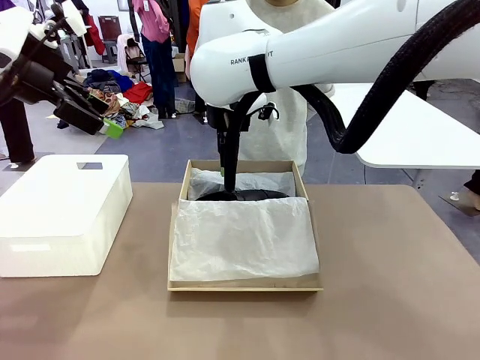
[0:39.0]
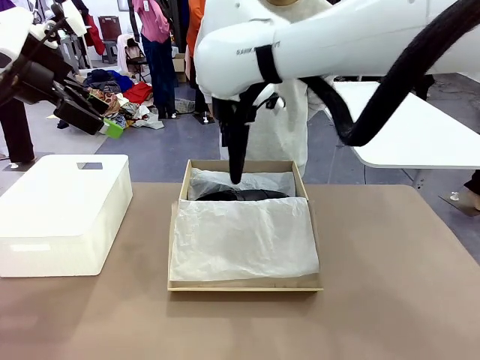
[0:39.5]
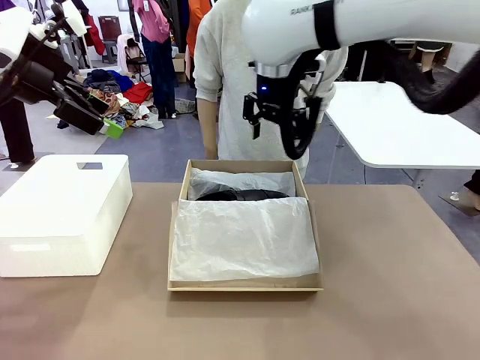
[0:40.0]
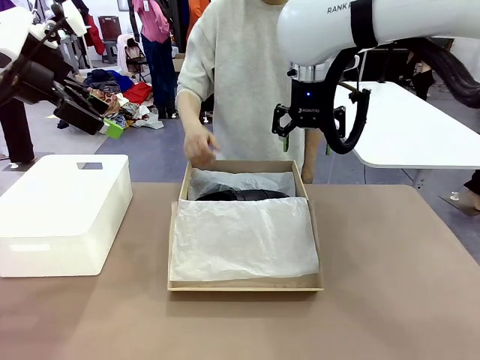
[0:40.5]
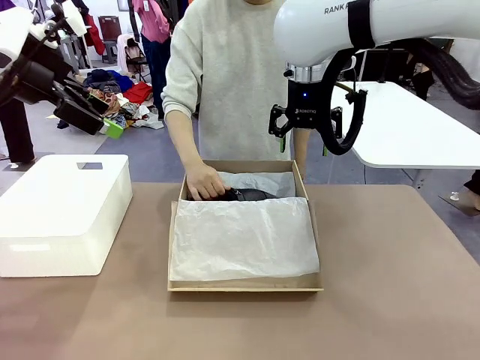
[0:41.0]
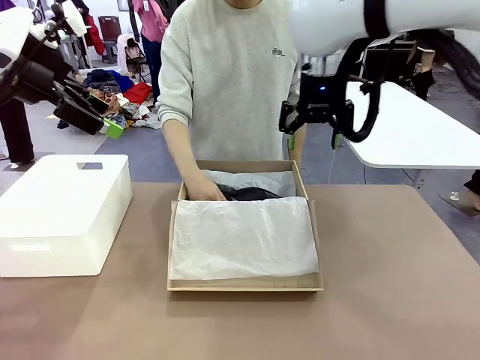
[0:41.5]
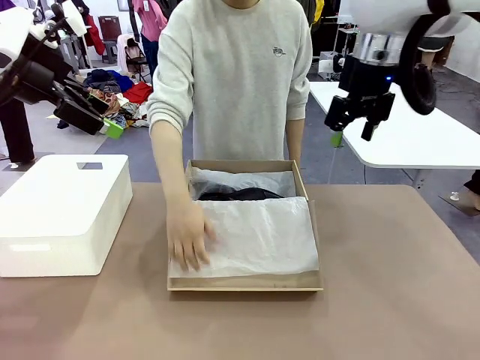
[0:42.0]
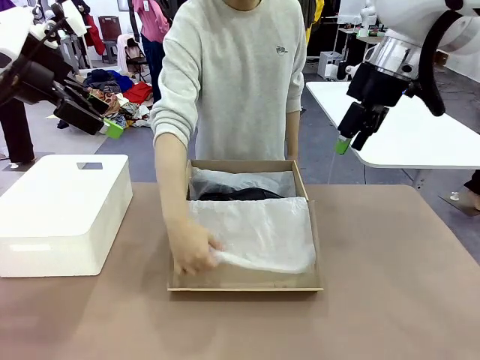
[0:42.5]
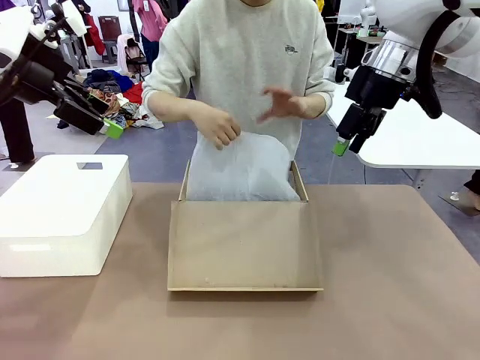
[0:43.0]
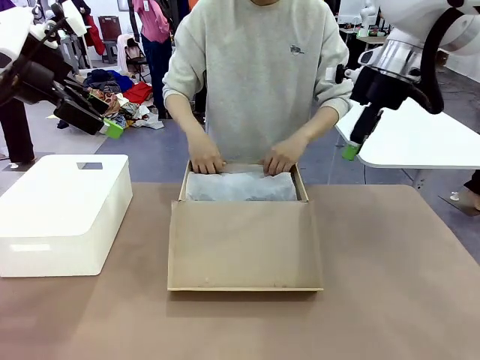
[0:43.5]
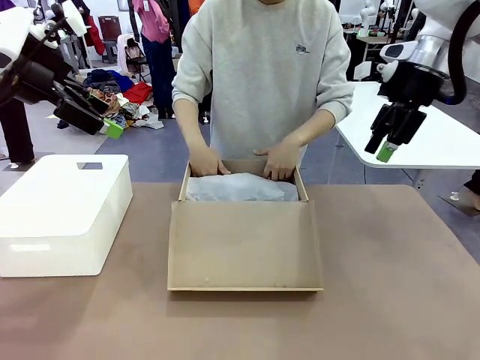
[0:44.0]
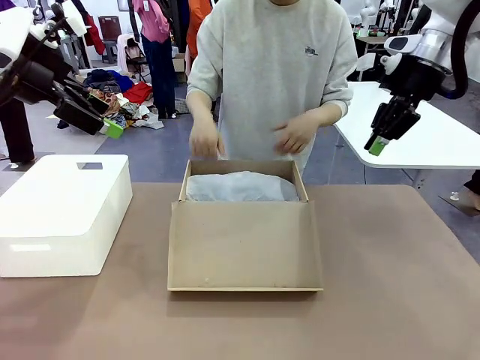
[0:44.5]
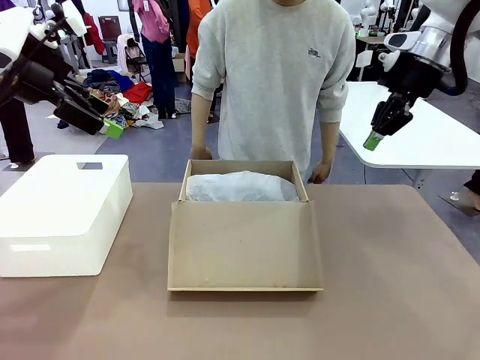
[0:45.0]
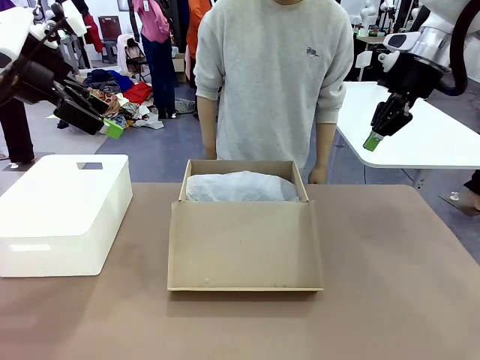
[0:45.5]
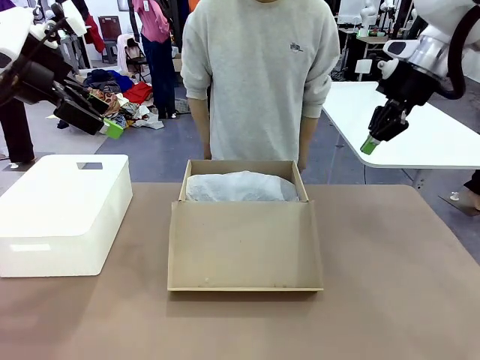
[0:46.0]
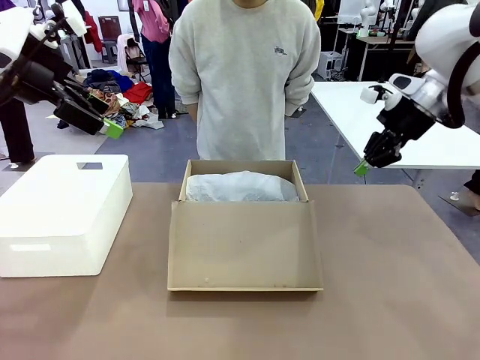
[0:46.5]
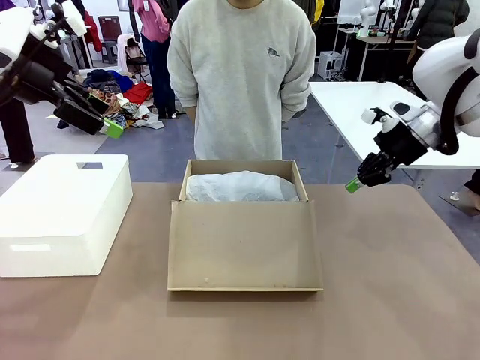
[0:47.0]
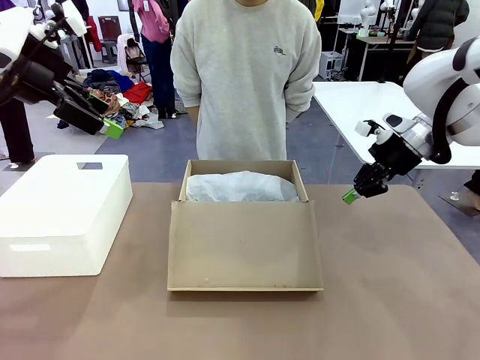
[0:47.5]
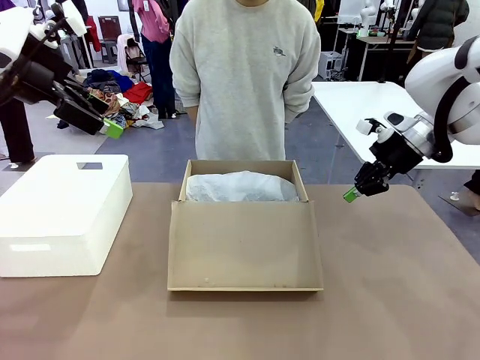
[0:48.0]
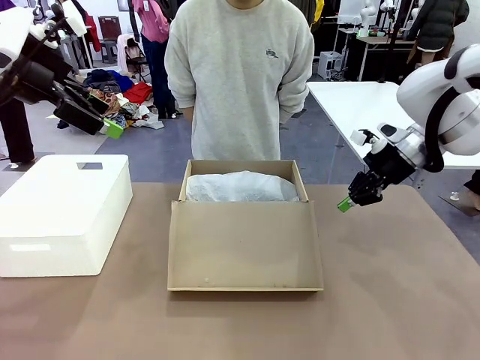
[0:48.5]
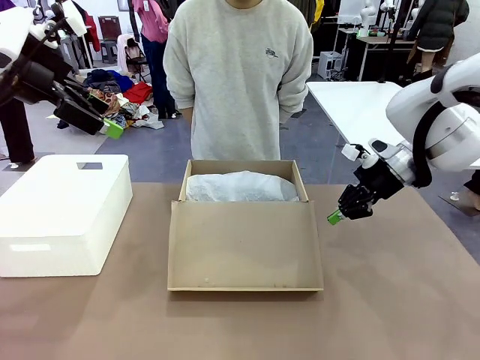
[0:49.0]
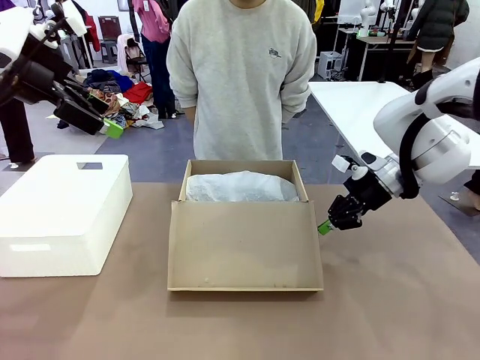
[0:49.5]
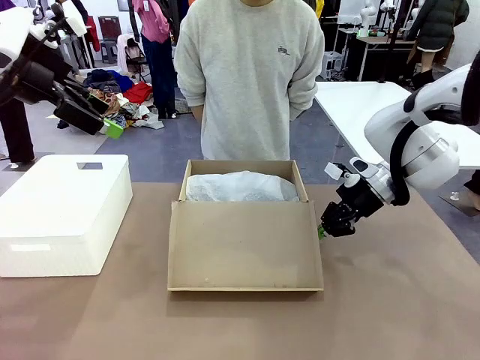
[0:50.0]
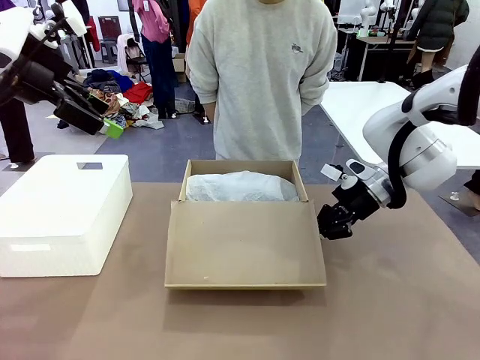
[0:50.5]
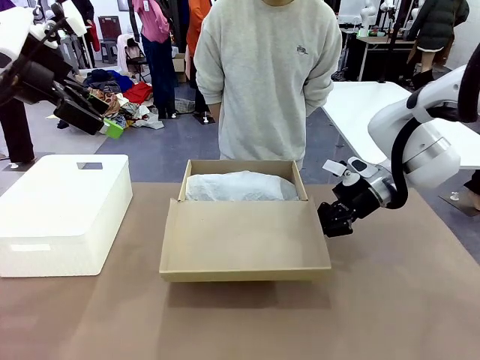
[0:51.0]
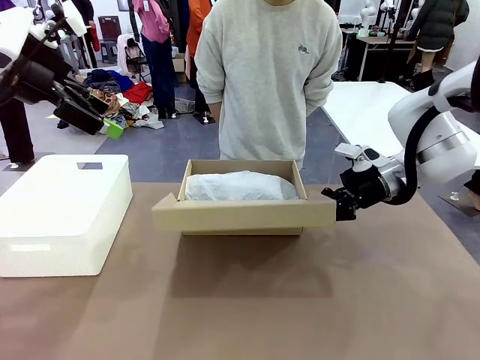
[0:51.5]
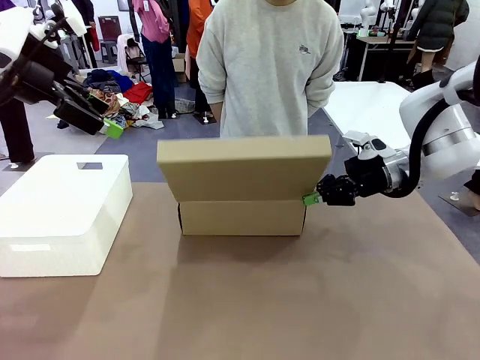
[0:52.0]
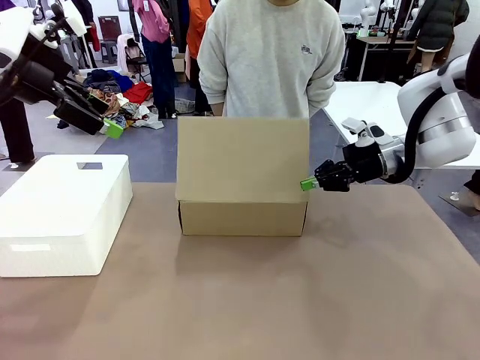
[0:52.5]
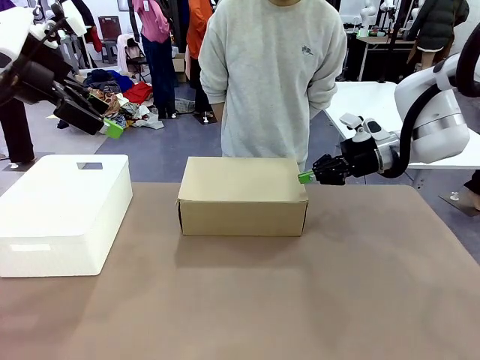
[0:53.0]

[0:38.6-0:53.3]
Task: Pack the shoes into the box.
Robot: Close the Shoes Box.

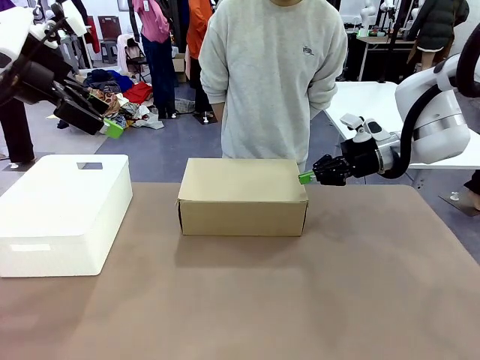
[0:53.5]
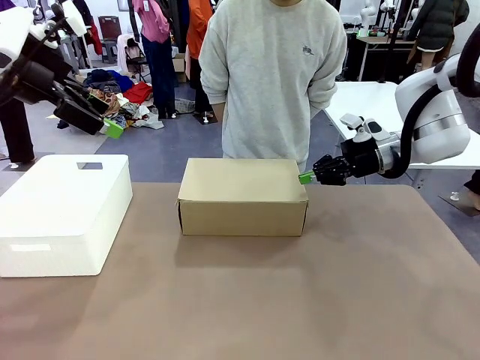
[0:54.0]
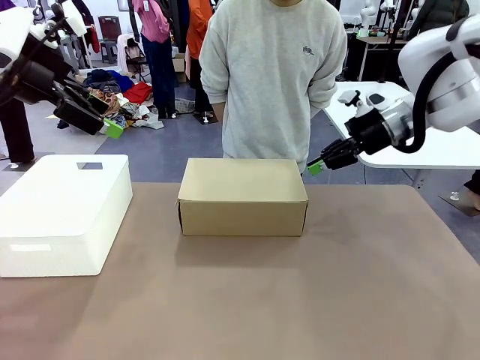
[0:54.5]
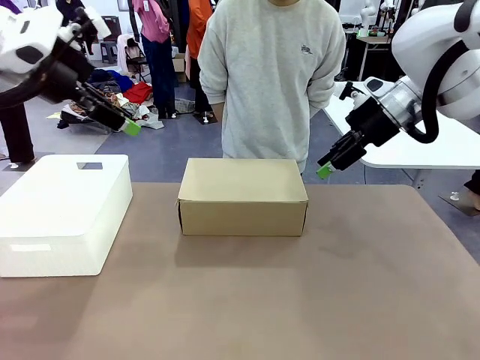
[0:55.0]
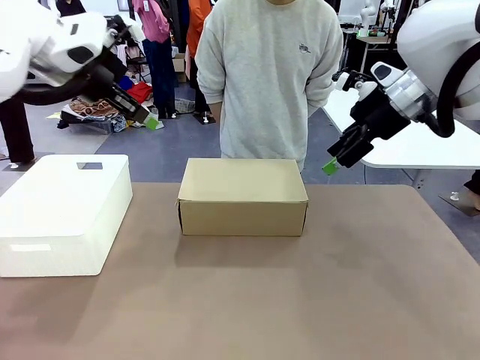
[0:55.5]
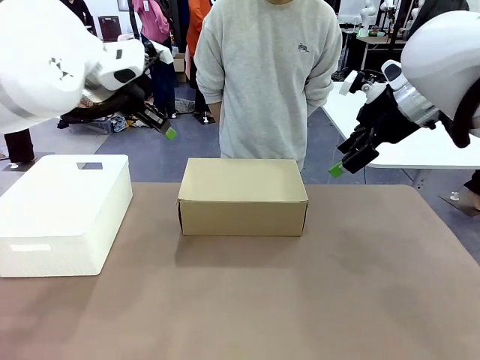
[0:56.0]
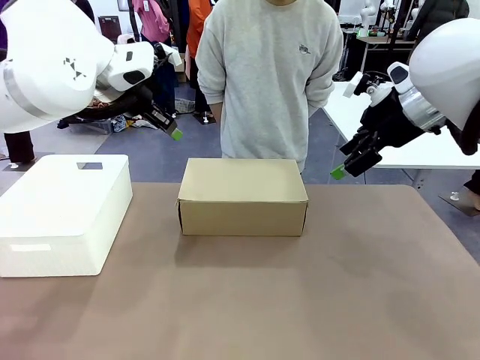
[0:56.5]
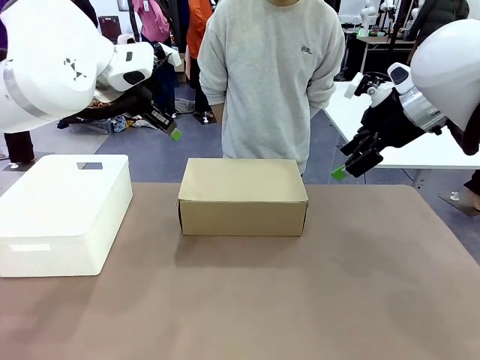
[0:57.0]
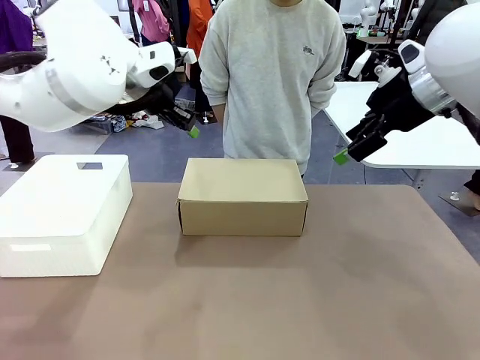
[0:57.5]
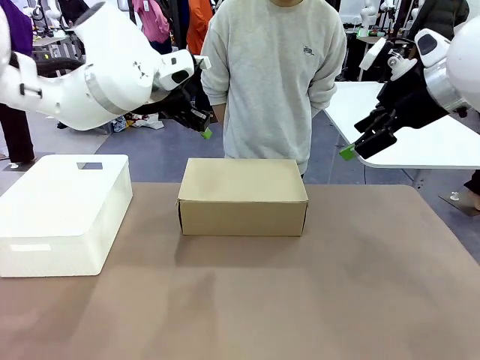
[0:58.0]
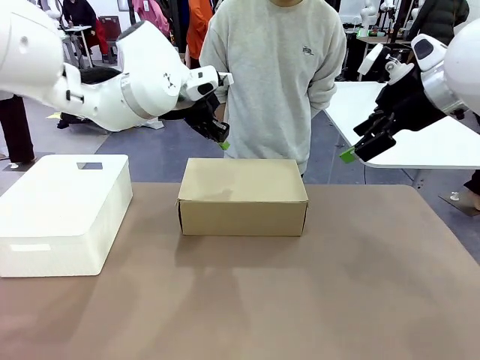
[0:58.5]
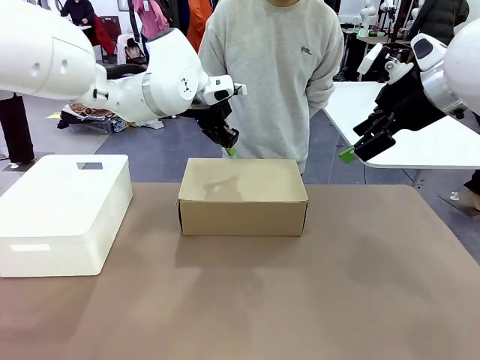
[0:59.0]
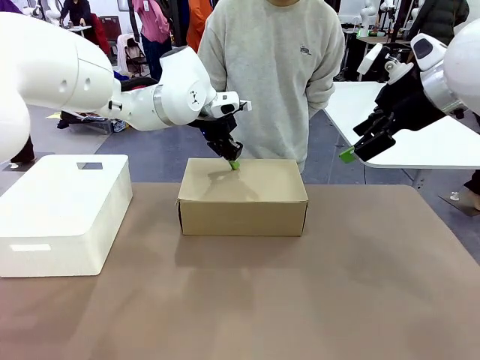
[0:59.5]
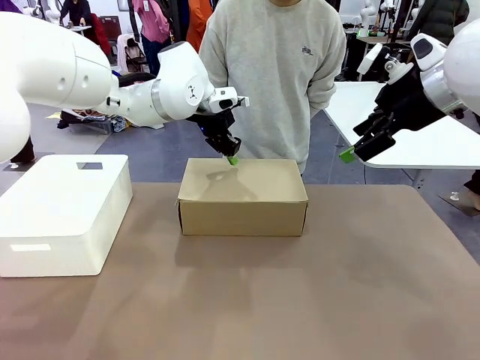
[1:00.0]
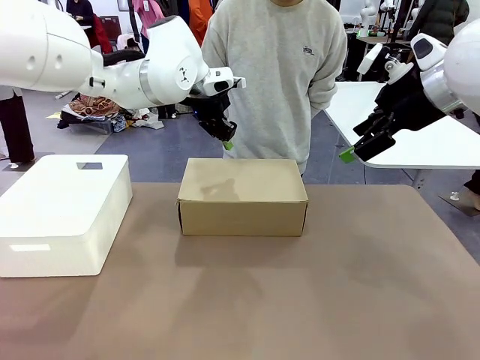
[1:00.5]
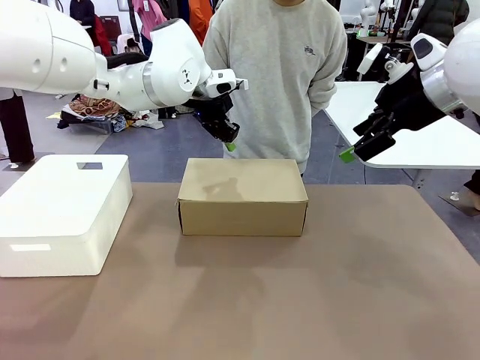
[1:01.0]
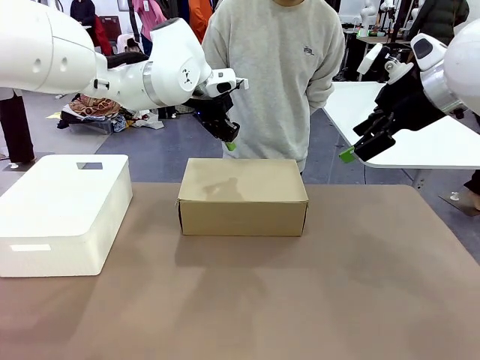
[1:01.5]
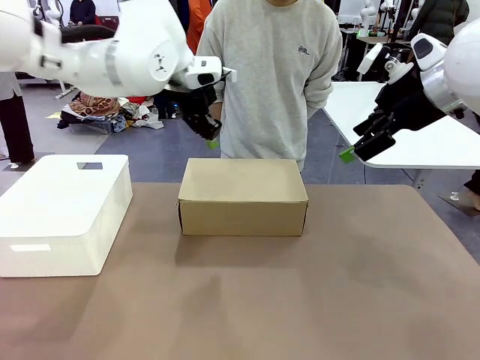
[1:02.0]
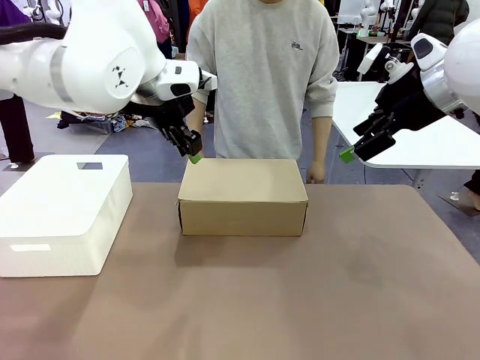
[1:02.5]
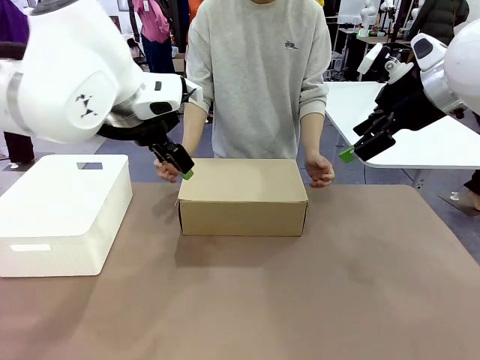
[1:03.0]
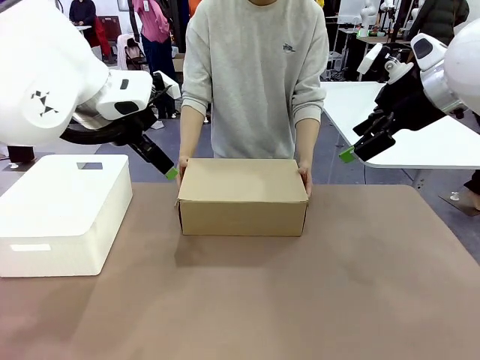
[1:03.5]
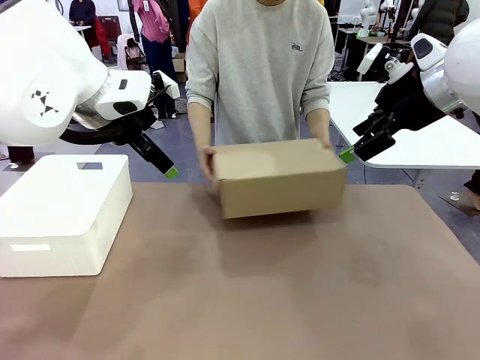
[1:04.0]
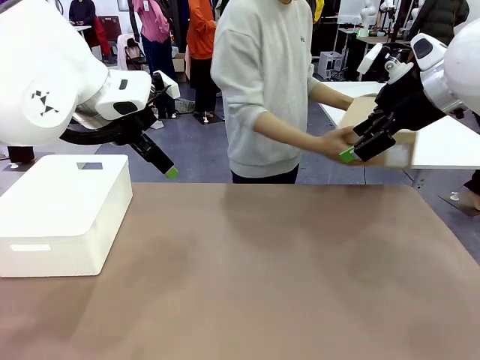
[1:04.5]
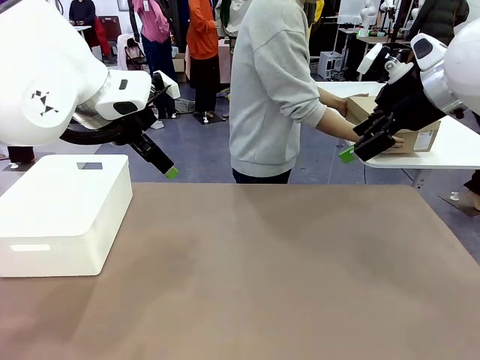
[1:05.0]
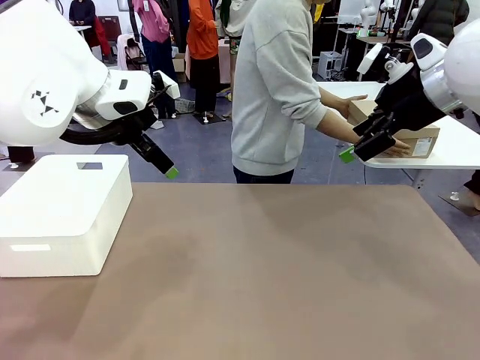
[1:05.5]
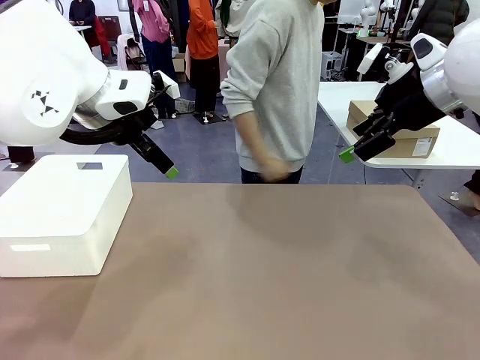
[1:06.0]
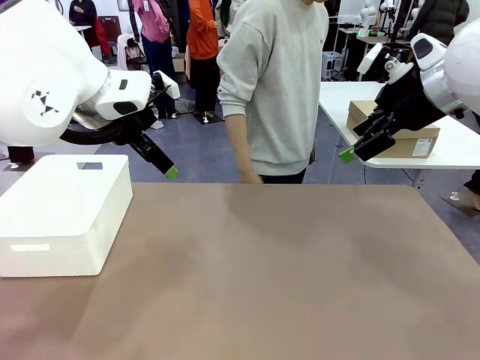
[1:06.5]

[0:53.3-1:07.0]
Robot: Press down on the lid of the Shoes Box.
Person: Place the closed Shoes Box to the right side of the human table.
